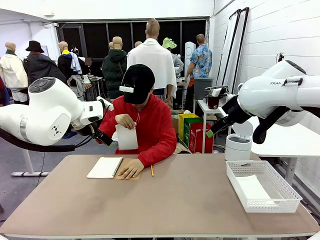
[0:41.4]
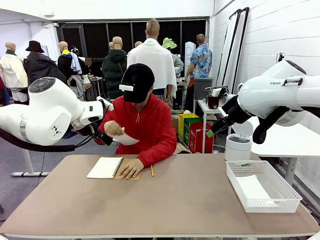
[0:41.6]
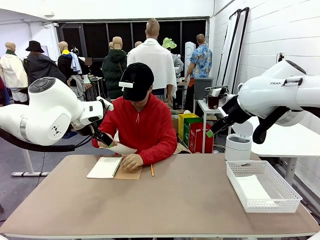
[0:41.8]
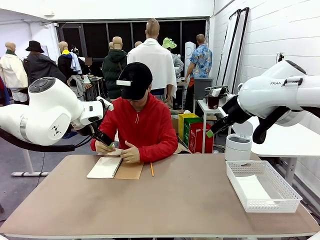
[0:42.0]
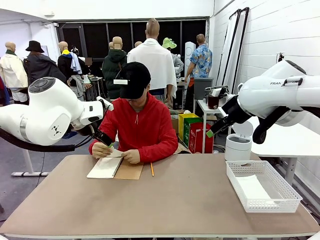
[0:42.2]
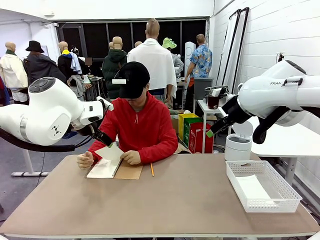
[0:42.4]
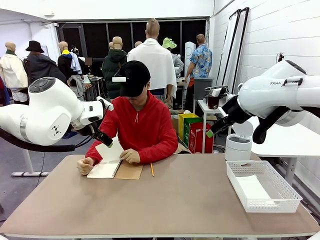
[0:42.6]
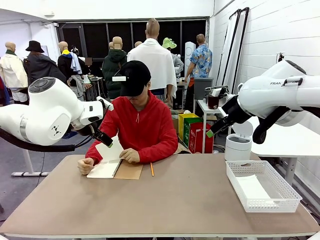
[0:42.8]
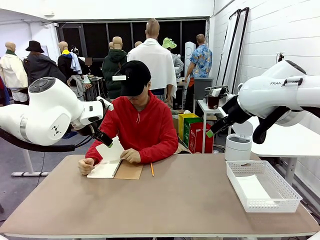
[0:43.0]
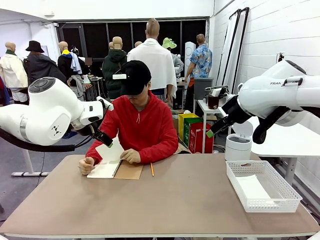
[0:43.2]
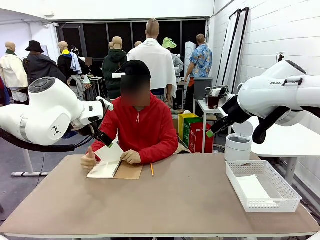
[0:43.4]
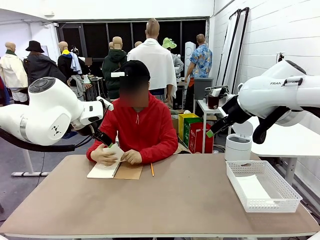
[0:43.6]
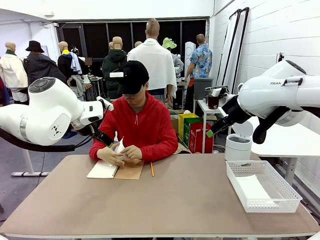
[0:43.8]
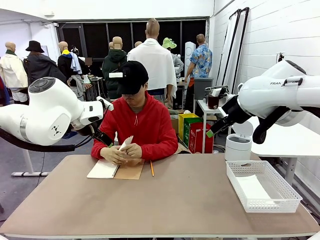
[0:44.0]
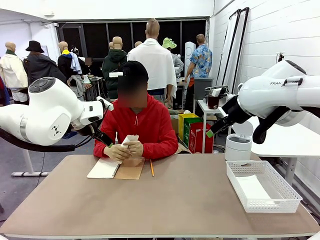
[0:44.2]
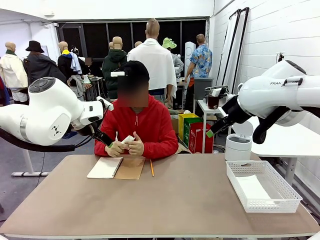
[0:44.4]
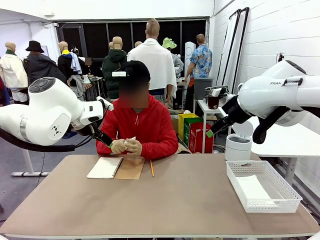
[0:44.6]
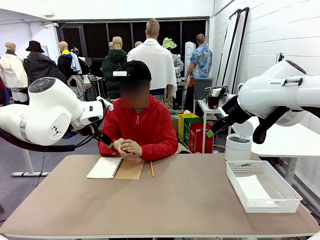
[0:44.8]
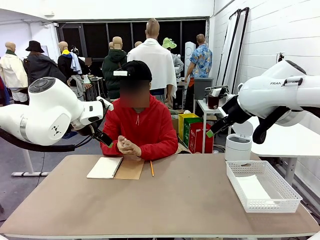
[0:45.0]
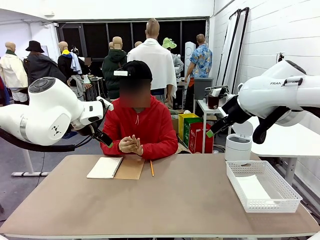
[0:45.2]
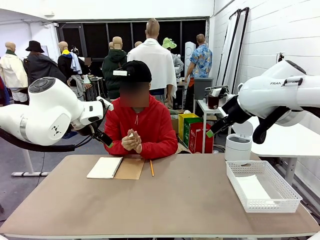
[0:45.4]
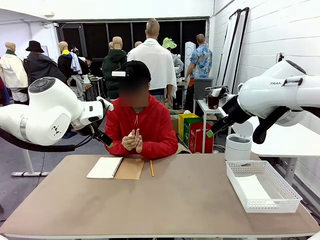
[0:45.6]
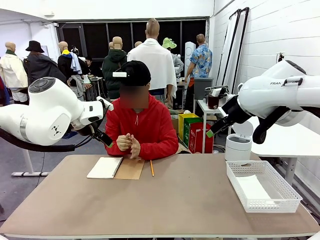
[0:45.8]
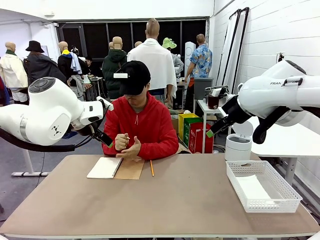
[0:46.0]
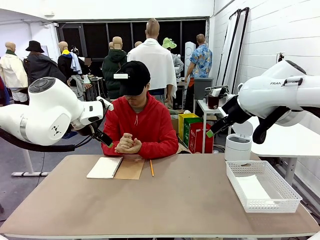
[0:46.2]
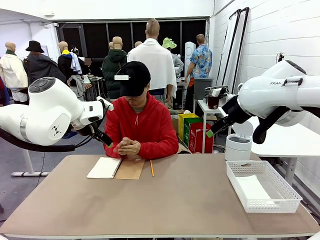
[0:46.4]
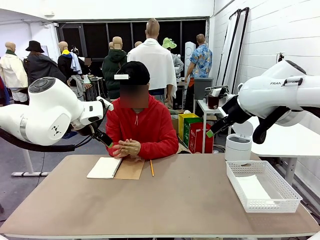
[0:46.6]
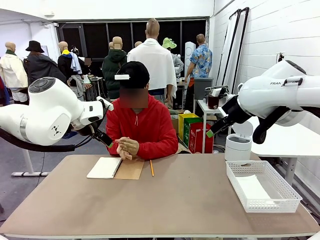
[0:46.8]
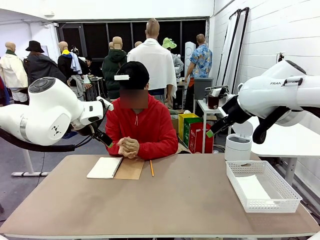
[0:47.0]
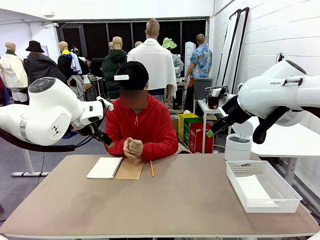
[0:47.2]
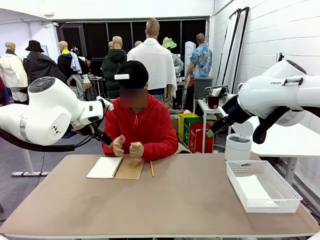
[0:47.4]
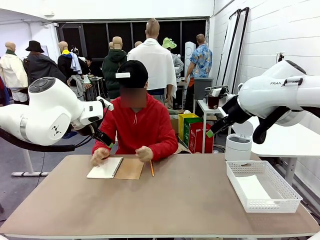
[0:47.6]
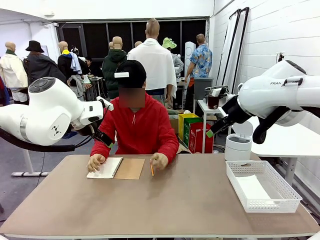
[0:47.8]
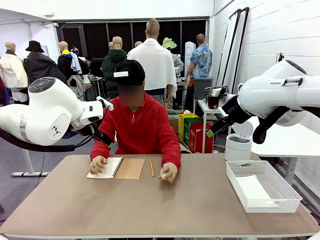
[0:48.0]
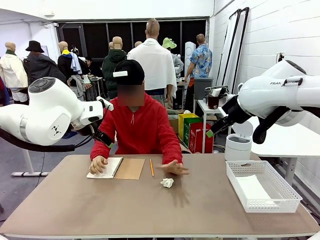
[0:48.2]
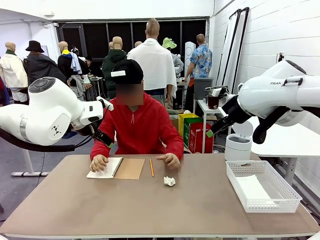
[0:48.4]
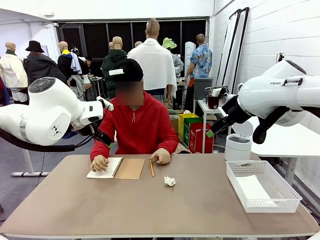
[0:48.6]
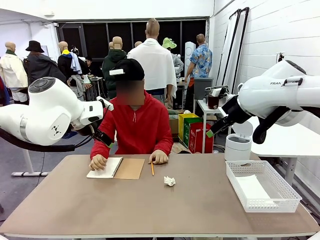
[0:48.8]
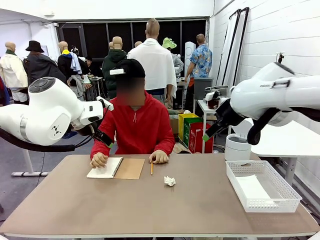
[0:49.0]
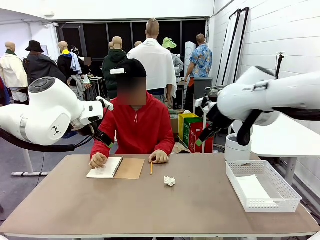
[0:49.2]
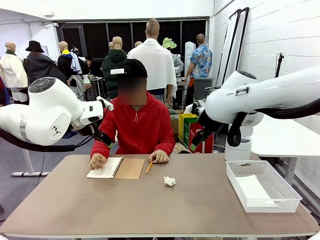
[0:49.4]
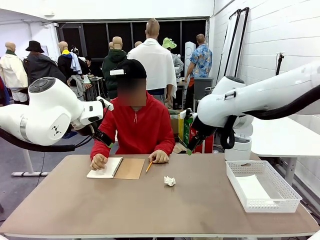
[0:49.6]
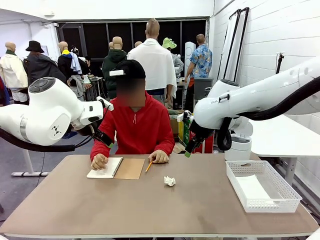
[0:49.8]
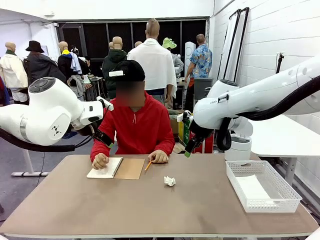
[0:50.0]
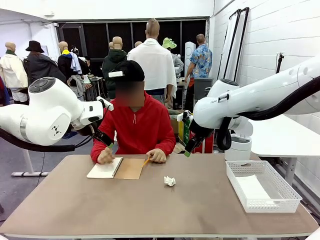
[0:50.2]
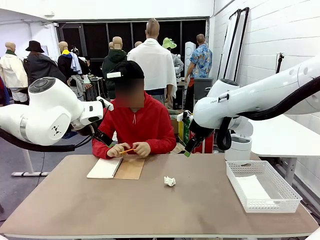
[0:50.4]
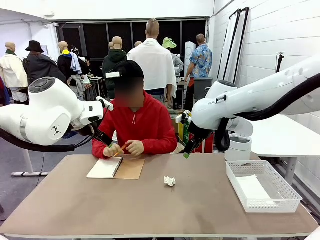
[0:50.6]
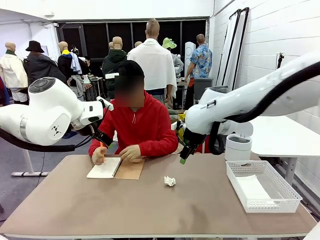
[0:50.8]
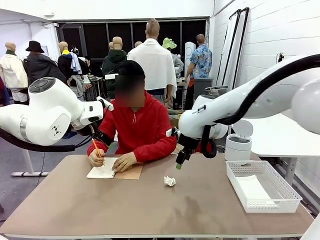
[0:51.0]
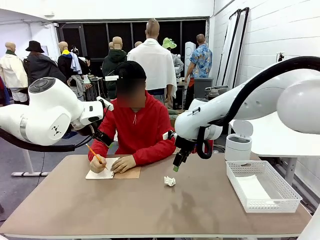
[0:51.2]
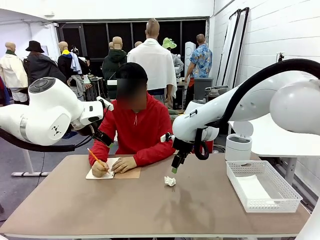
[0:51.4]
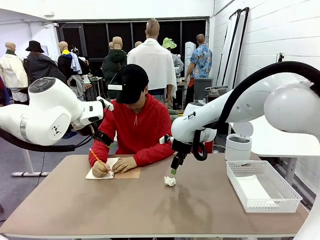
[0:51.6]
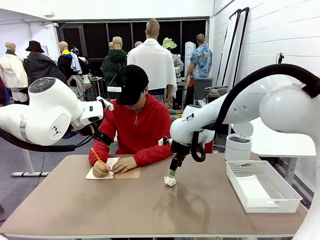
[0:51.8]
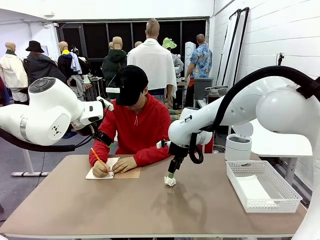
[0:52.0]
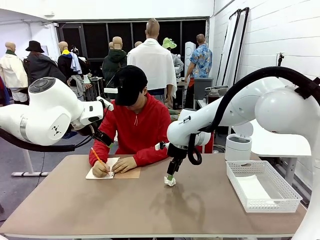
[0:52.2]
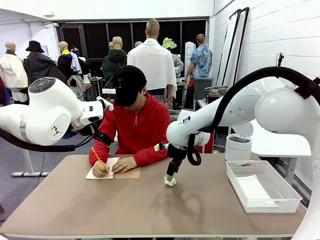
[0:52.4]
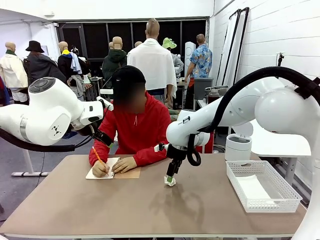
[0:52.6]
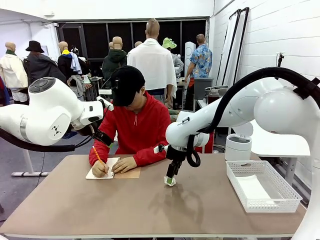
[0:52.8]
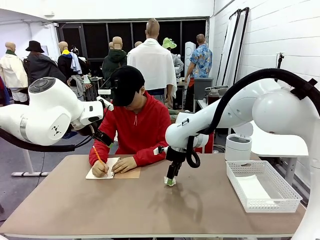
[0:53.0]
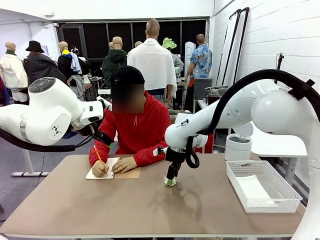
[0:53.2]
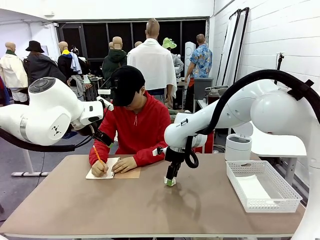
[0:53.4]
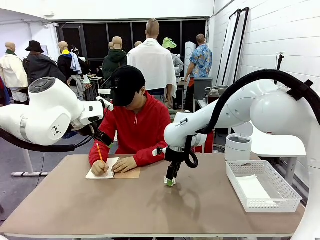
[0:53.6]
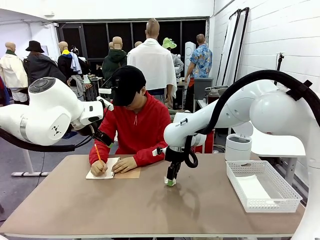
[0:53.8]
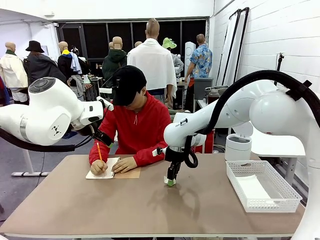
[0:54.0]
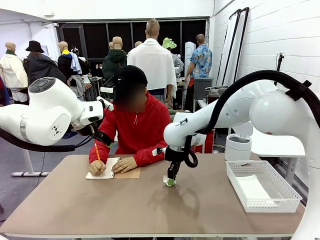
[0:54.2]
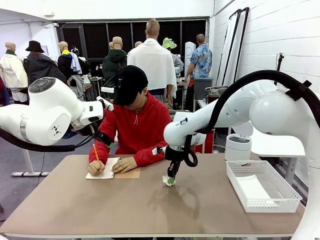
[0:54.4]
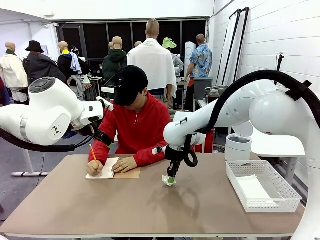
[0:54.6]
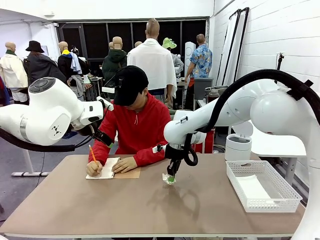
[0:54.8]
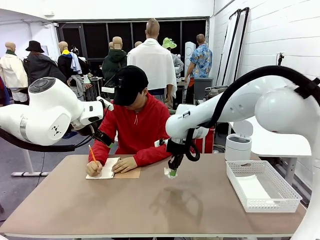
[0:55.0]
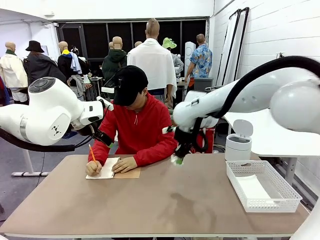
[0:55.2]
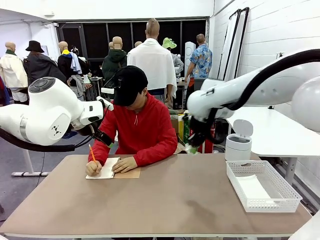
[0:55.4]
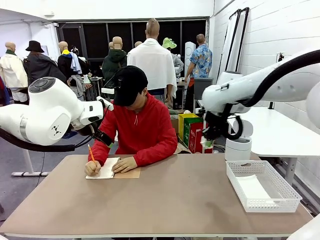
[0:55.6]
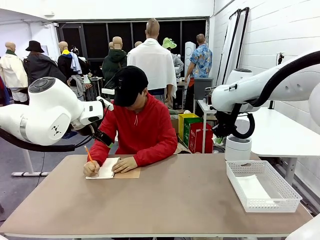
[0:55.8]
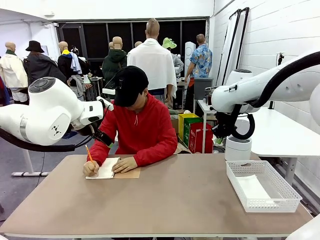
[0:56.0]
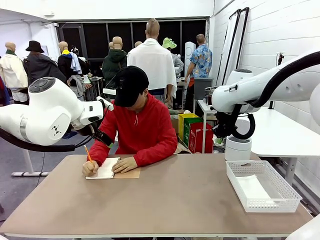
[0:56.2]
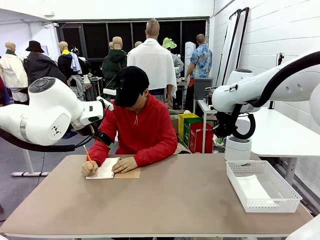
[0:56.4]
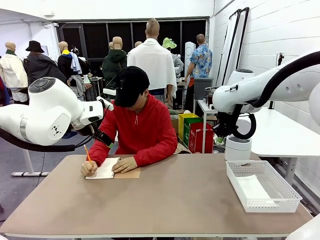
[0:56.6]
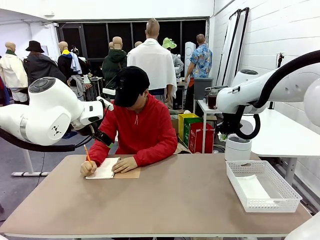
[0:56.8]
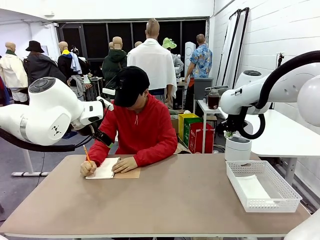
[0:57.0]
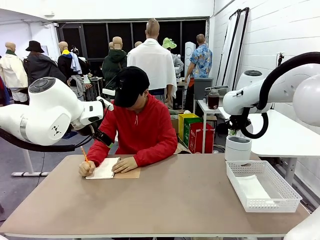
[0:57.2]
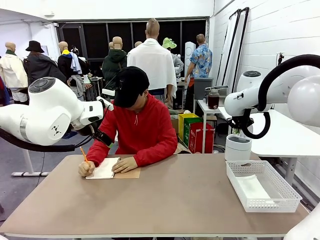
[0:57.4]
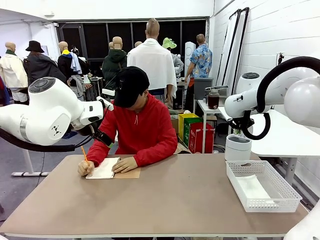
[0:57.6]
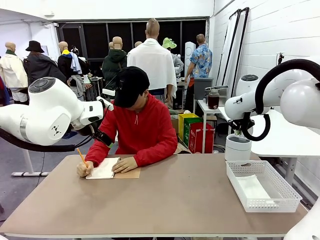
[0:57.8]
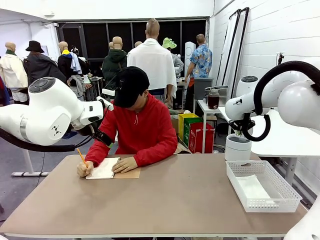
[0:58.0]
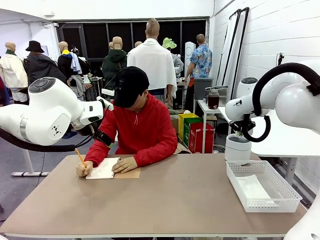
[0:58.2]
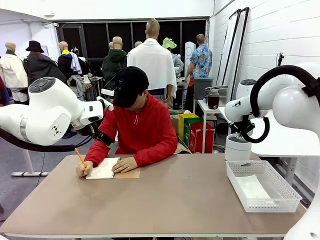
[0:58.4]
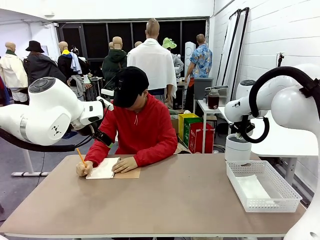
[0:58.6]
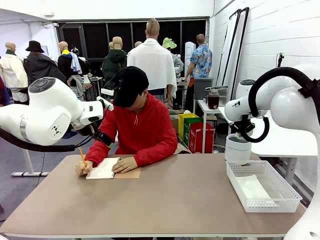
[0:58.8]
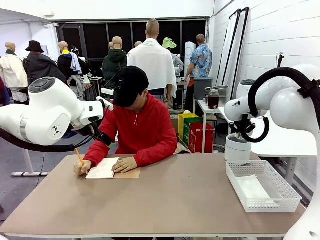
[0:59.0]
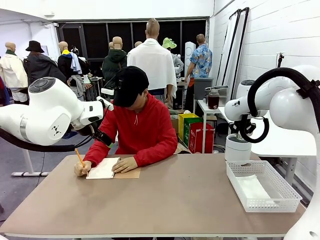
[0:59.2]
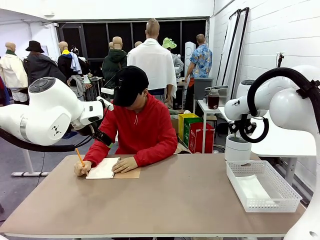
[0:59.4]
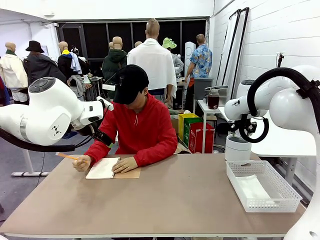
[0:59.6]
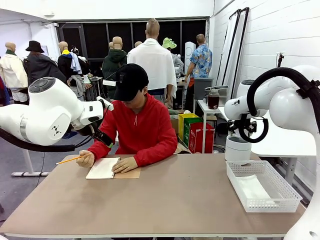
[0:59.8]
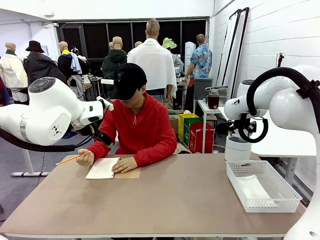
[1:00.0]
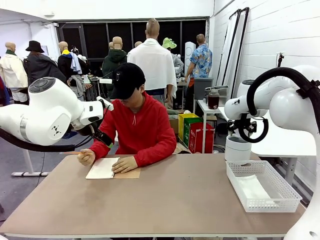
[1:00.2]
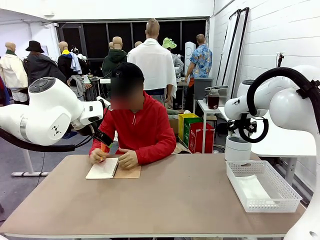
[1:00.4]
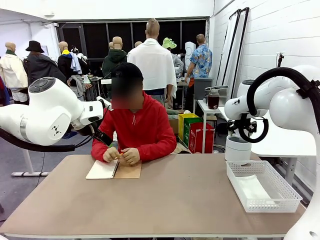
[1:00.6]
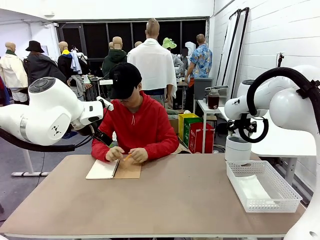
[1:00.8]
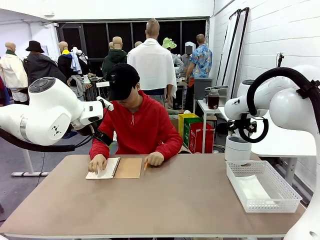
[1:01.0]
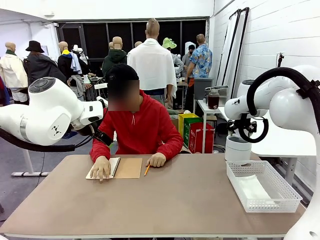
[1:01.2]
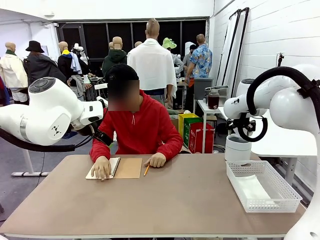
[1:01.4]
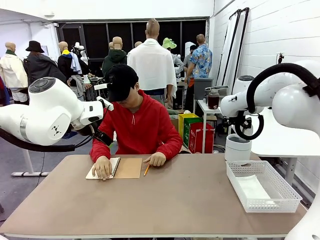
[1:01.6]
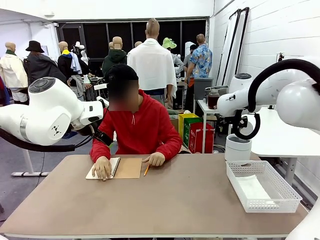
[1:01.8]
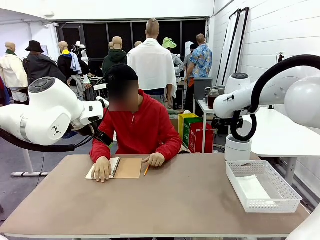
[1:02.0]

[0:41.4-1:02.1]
Task: Sort the paper based on its condition.
Robot: If a person hands you a paper, place it in the Organizing basket , and if it's crumpled, put it in the Trash can.
Person: Hand the torn page to the robot or crumple it and throw it to the center of the table. Tear out a page from the spiral notebook.
